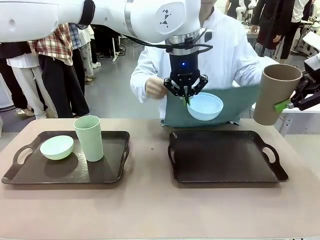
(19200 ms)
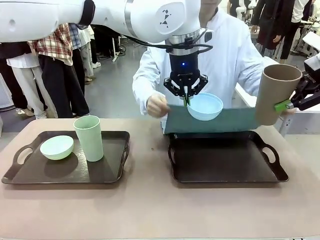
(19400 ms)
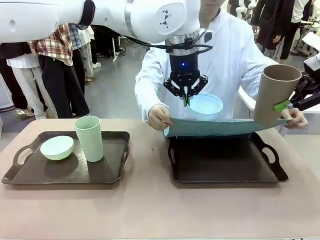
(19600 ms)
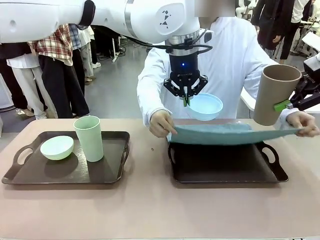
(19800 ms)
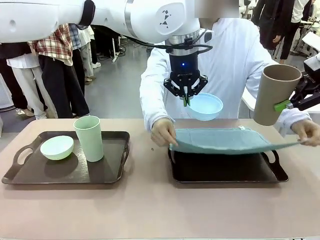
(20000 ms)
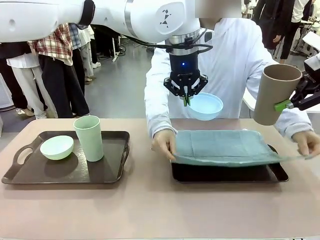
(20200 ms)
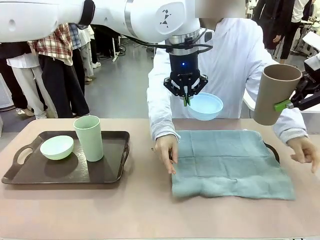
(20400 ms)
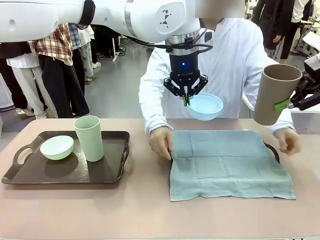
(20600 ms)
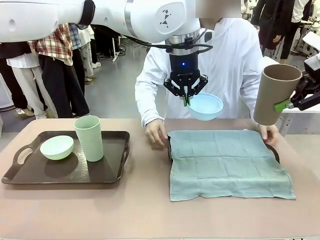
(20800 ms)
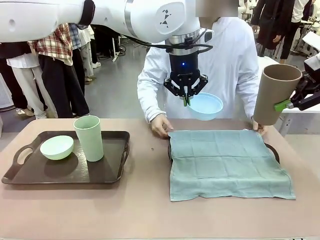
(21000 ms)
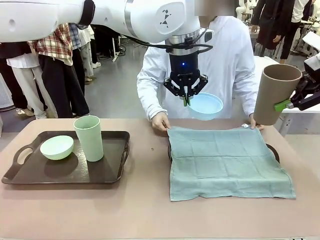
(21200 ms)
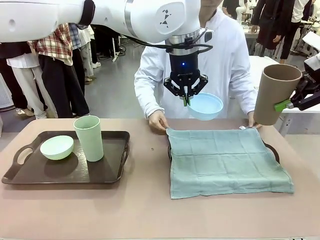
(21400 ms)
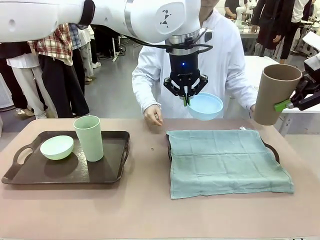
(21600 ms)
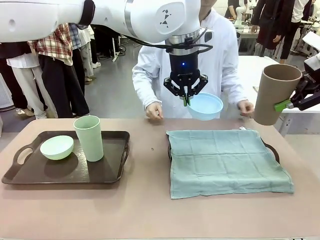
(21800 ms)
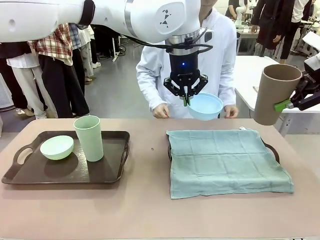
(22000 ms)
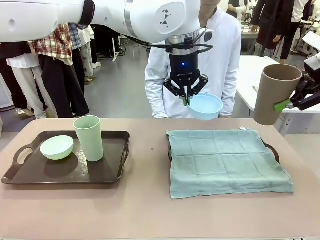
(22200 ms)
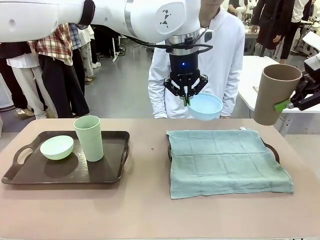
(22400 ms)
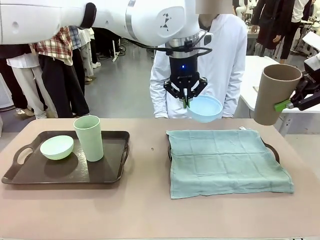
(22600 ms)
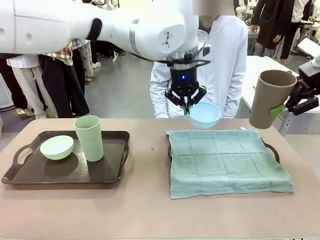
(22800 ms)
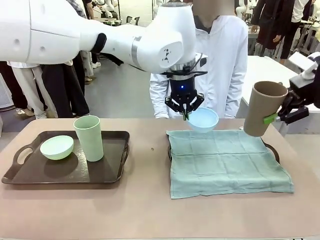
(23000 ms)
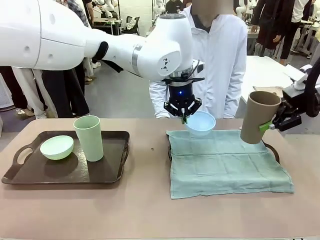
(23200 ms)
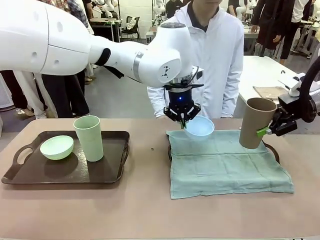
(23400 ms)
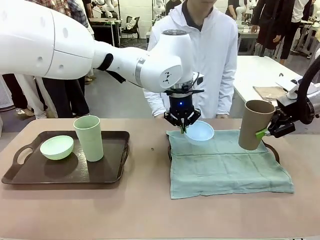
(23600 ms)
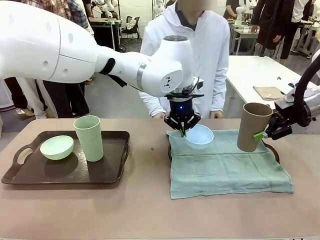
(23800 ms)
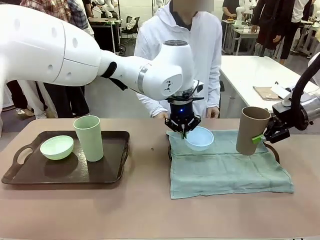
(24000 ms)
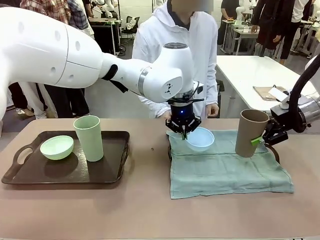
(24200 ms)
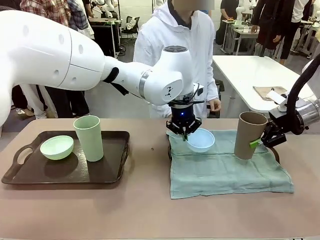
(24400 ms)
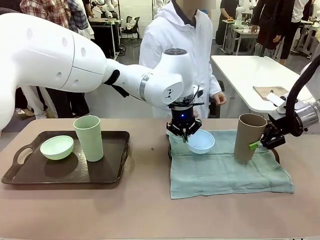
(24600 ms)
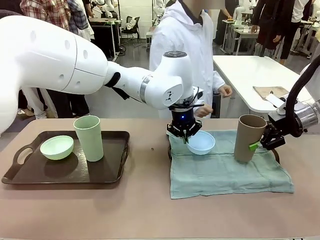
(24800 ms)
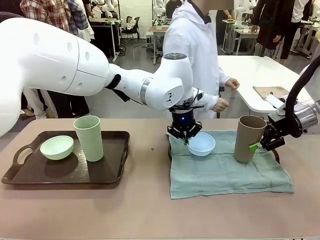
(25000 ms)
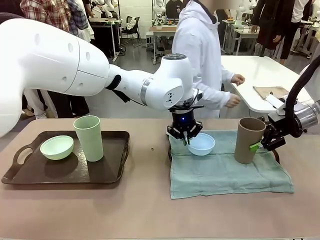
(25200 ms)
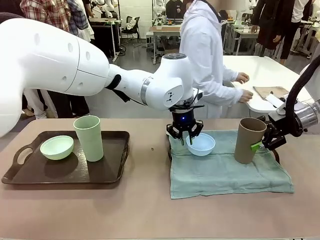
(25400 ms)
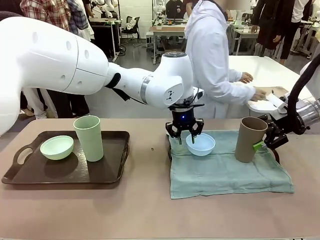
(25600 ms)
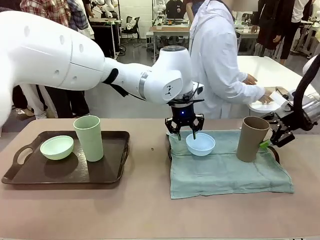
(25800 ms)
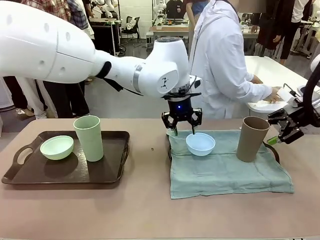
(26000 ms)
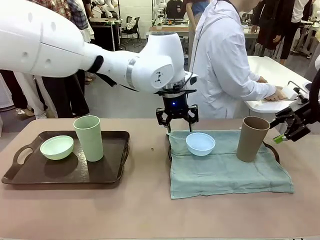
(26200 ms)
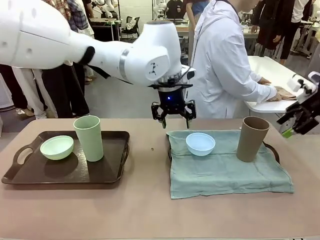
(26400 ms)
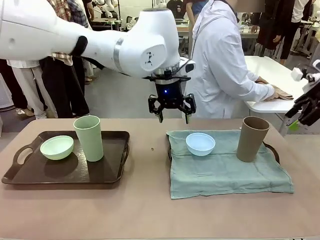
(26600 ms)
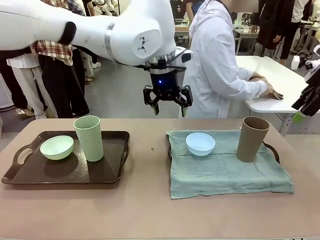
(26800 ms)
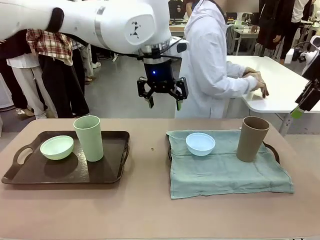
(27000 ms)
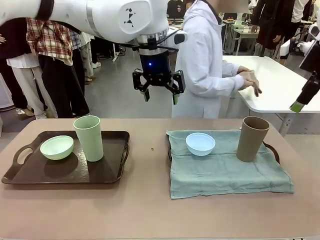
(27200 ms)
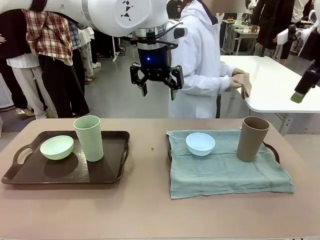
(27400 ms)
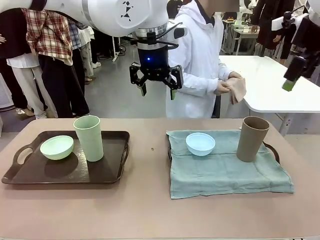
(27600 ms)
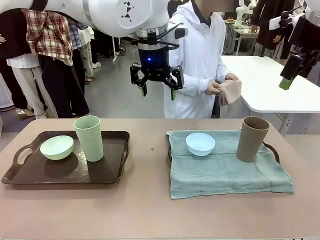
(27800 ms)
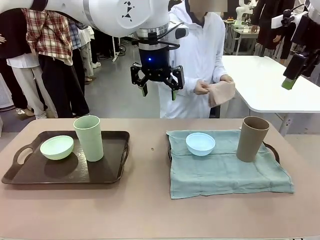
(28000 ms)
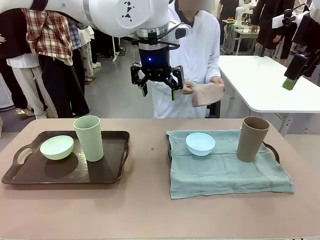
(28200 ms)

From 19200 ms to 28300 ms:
Robot: Place the Picnic Bowl and Reusable plastic cup back onto the Handle tray in front of the human's position.
Person: The human returns to the human table to pick up another napkin and walks to the robot table to stand in front of the tray without a napkin.
